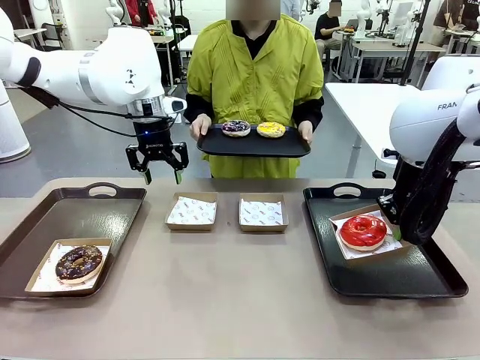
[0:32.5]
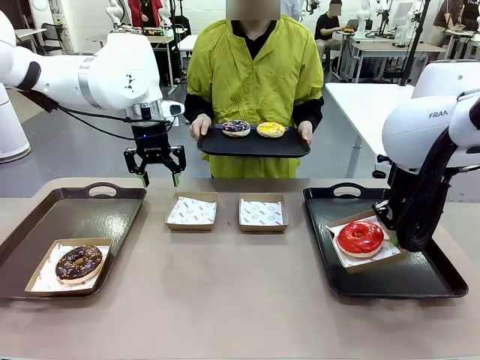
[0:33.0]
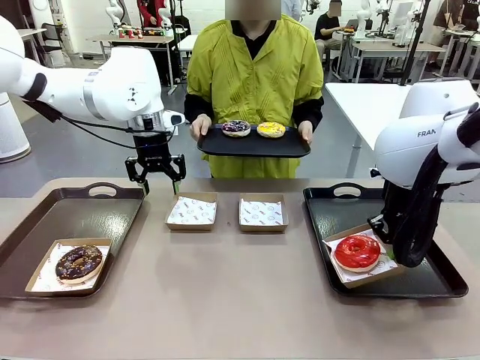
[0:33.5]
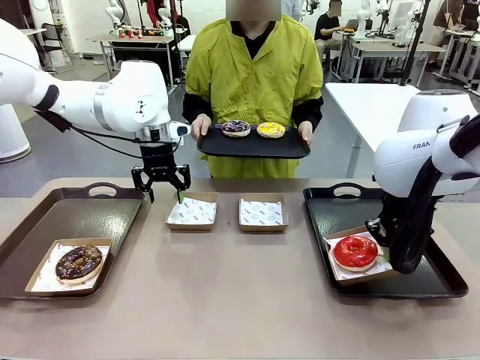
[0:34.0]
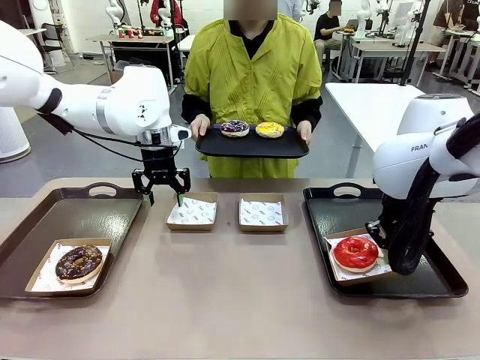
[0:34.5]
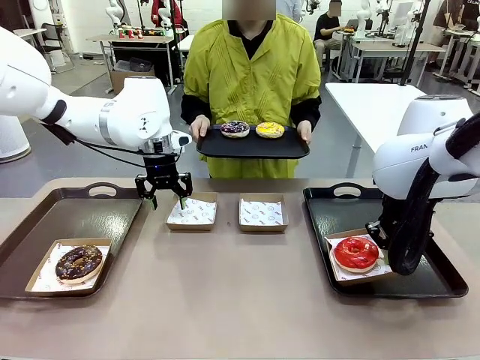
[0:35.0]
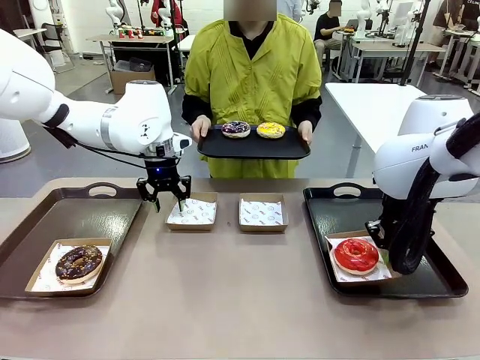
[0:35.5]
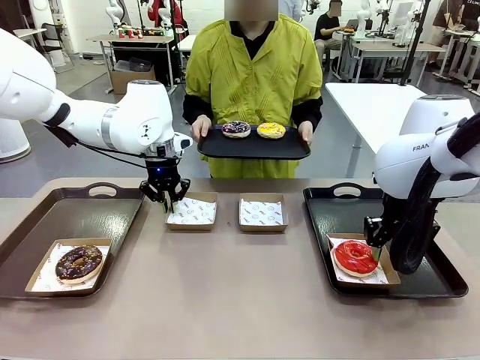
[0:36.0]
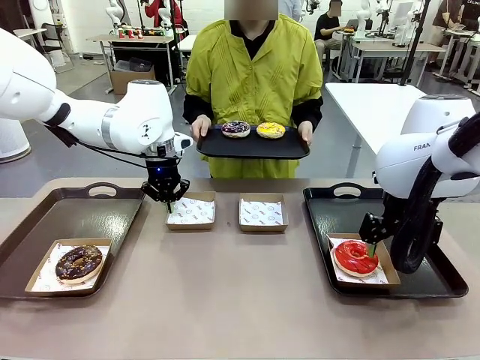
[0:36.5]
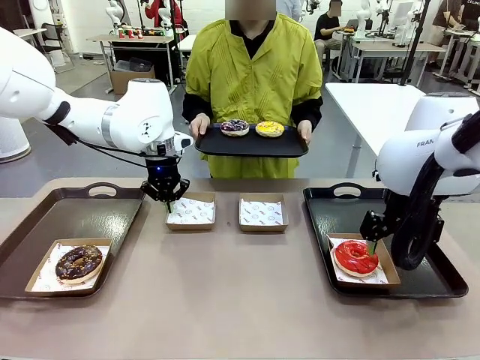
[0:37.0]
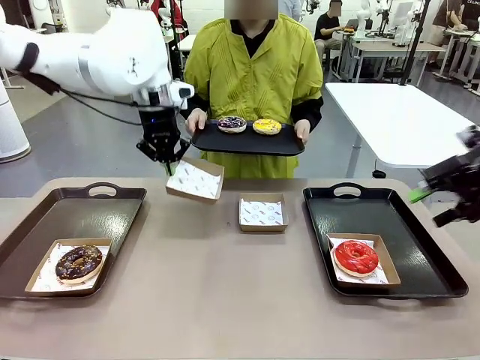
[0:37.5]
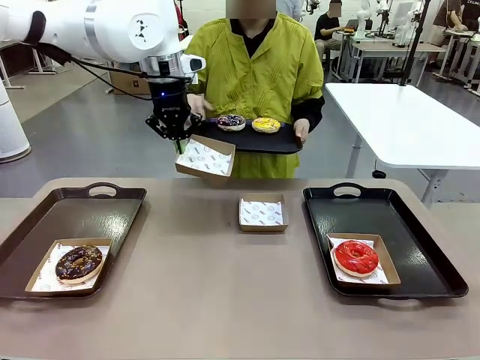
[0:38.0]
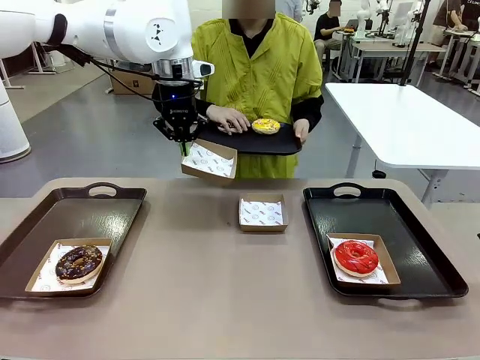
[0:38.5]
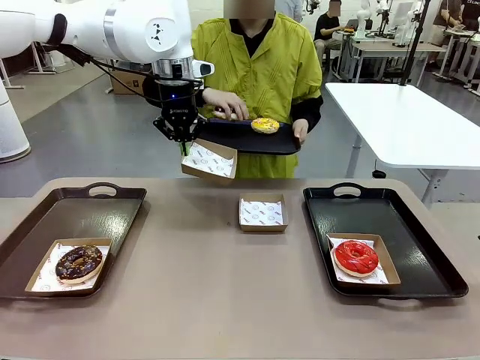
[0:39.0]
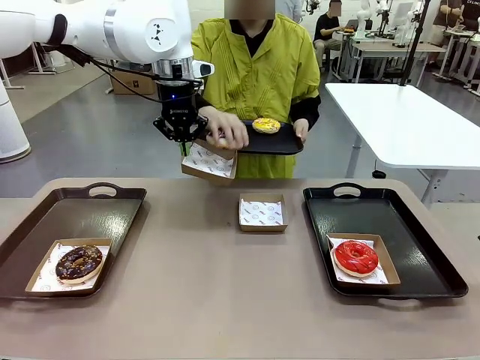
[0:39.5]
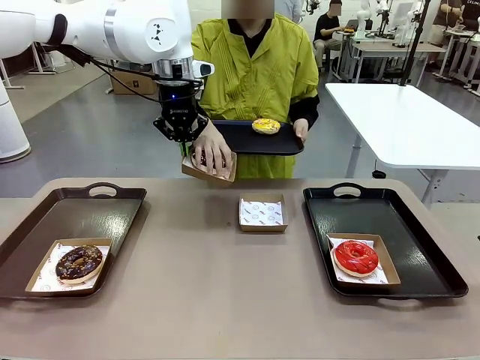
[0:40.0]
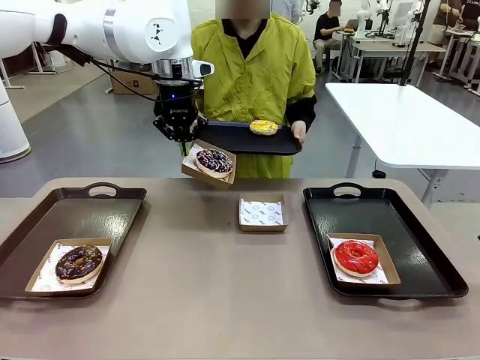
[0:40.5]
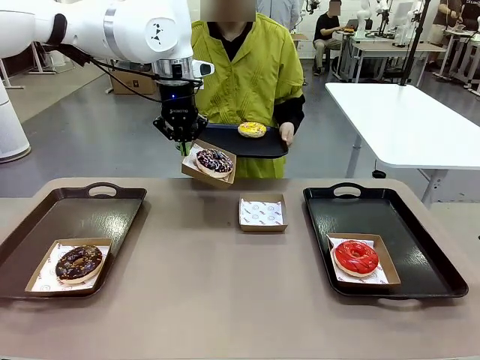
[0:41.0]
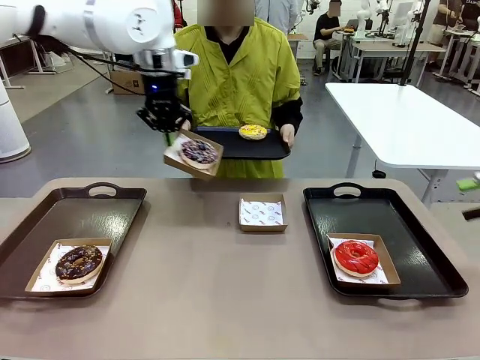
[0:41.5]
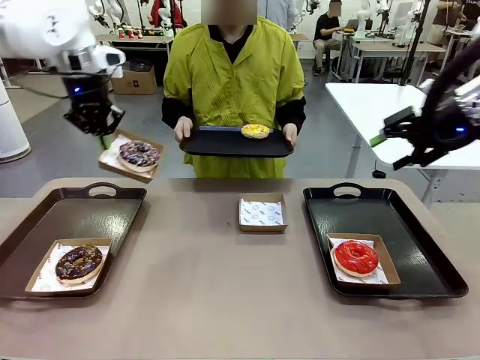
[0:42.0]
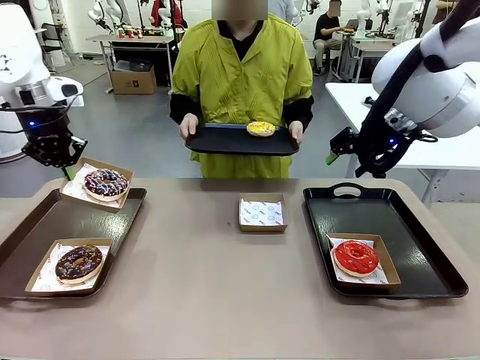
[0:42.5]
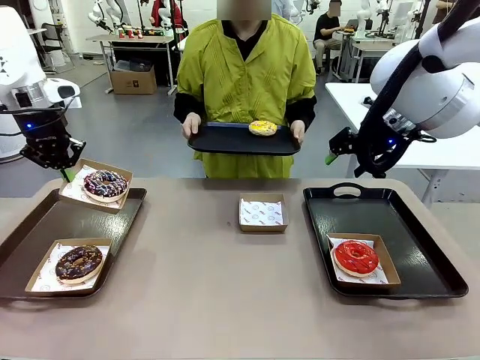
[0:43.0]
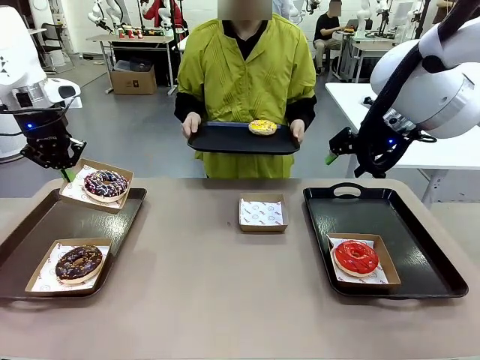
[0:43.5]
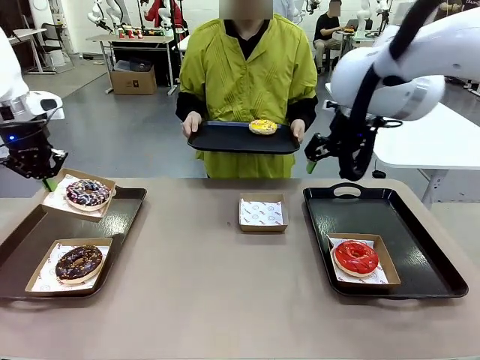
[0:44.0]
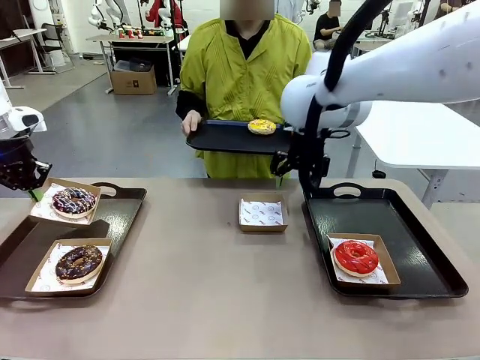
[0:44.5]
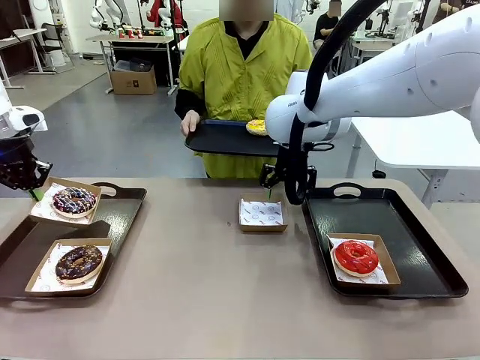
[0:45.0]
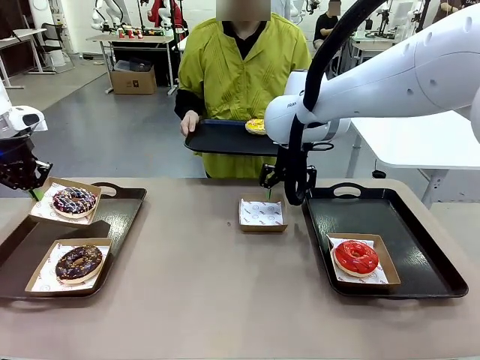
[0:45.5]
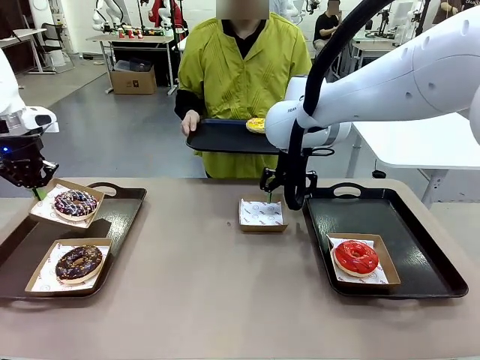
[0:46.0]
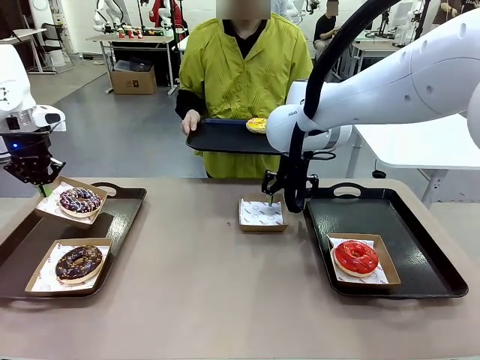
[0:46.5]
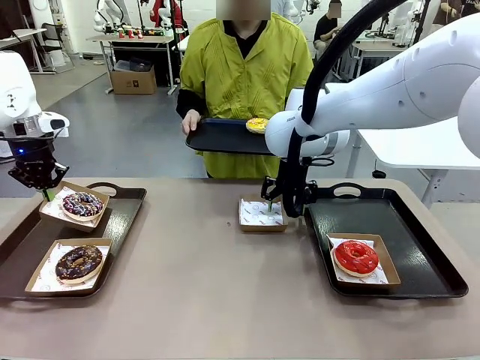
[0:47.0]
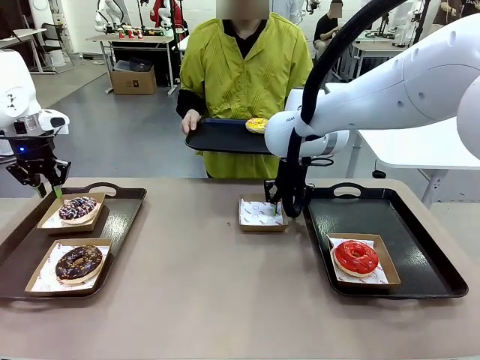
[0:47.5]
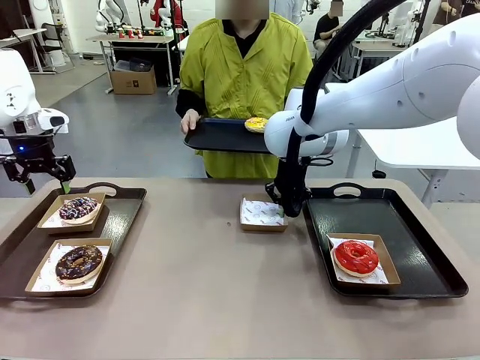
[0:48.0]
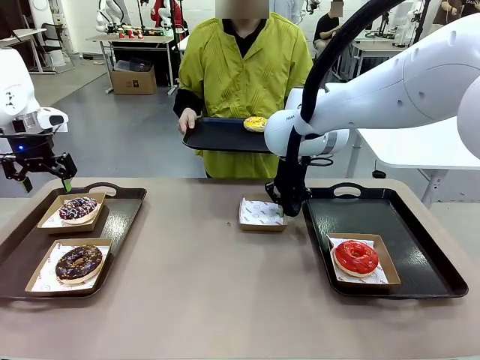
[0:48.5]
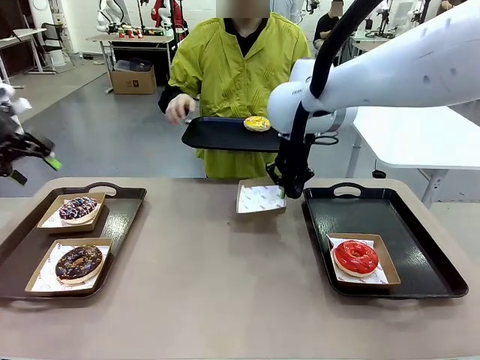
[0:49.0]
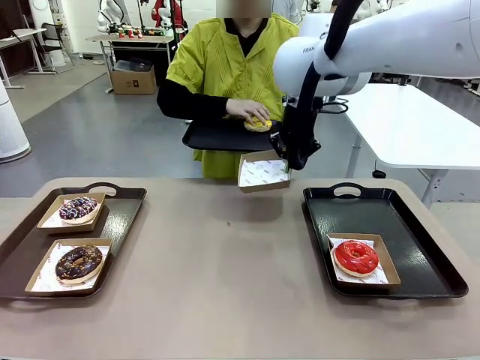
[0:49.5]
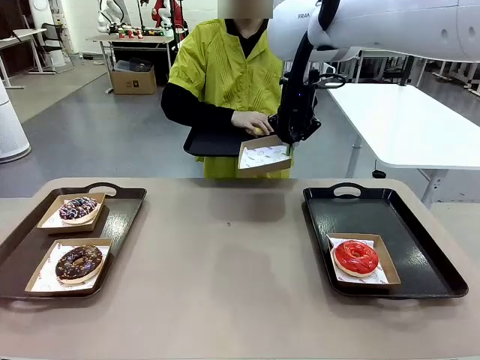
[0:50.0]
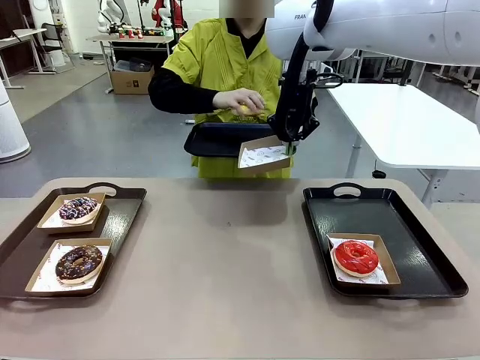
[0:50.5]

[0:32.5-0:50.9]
Task: Individually package the donuts and arrange them on the tray.
Robot: Place the picked Paper togo box on the Handle tray while simultaneously picking up another Paper togo box from the table with the other hand.

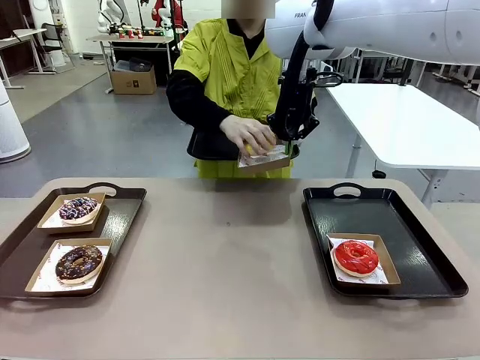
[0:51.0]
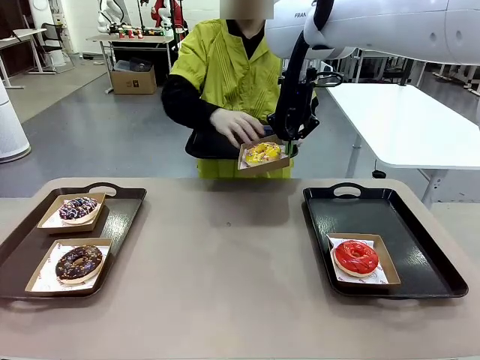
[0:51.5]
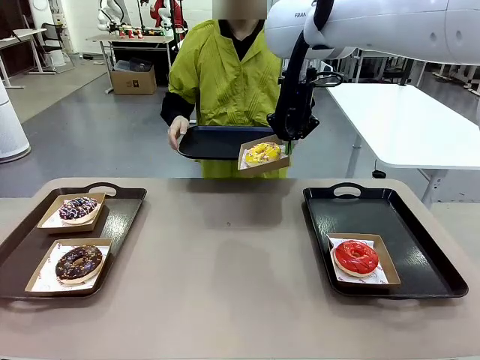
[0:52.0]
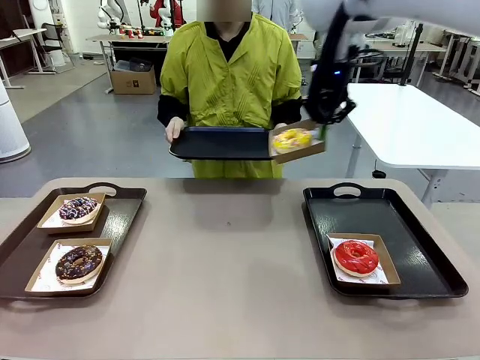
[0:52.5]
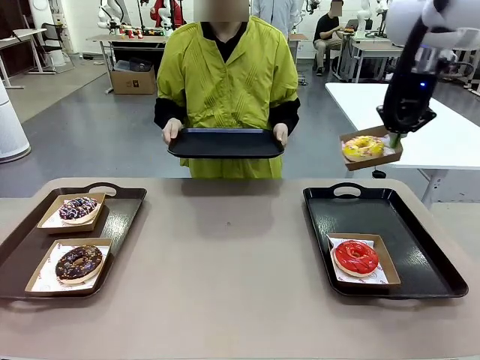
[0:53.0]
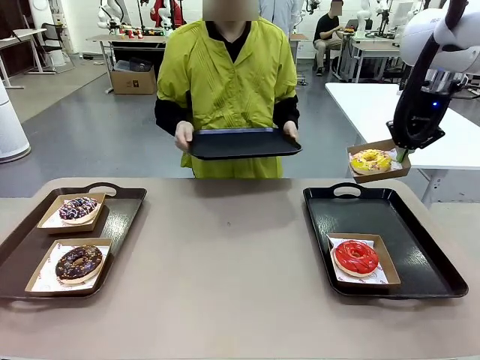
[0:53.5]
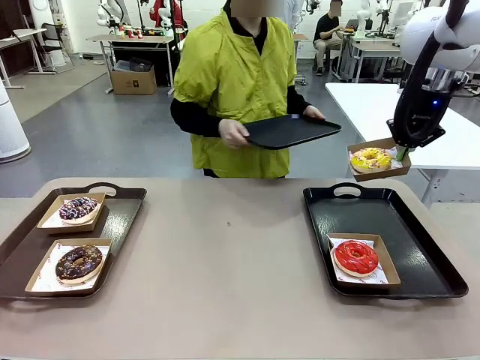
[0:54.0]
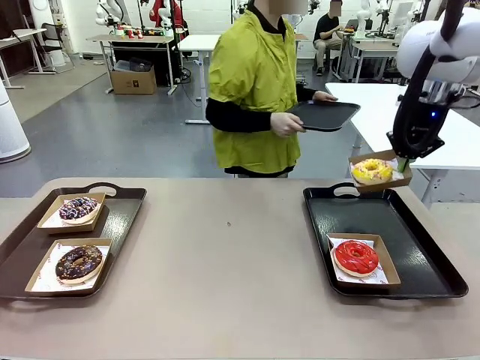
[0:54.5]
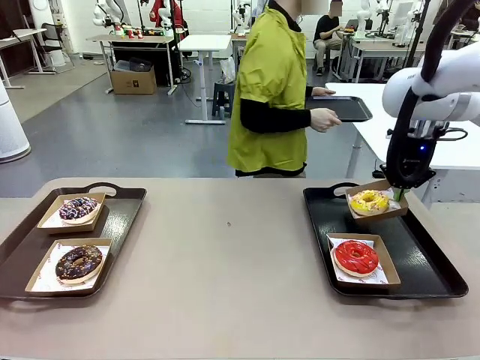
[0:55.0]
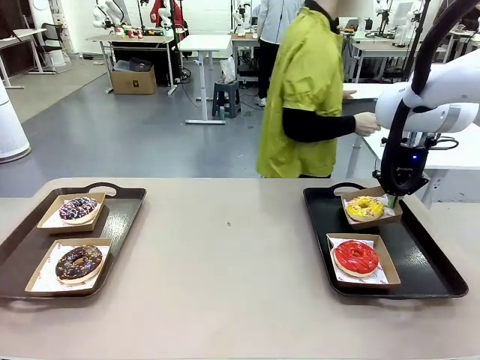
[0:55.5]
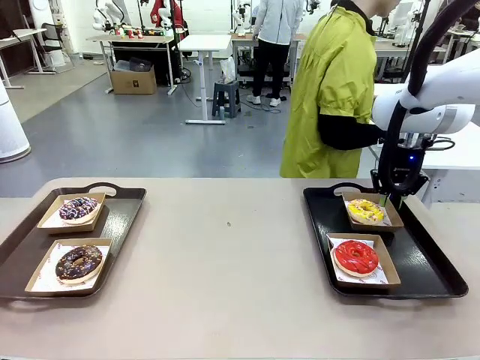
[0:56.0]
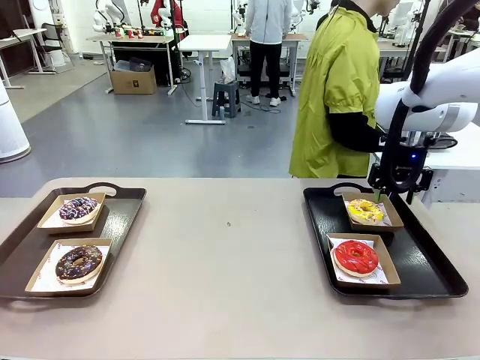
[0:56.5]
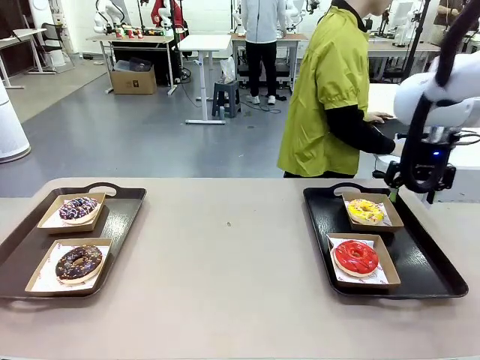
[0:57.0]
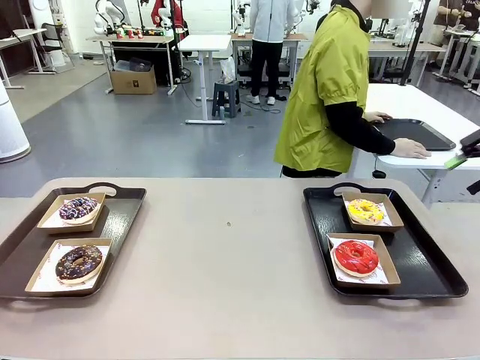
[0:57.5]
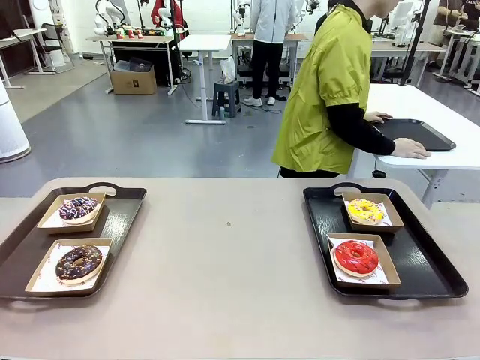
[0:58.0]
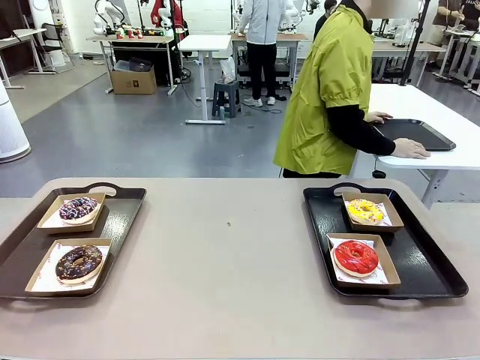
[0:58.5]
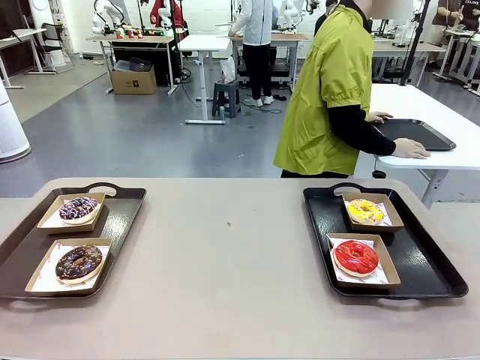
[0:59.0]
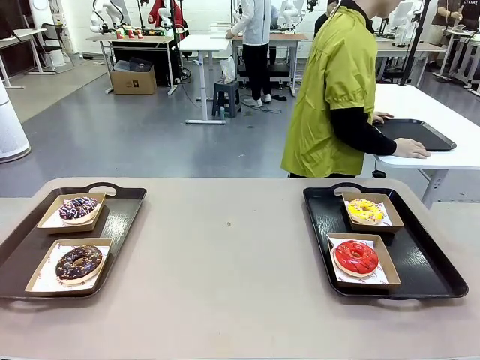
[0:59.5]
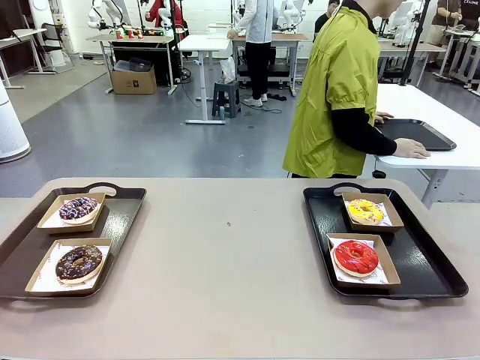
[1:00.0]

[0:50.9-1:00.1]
Robot: Place the picked Paper togo box on the Handle tray.
Person: Place the tray down in the middle of the human table.
